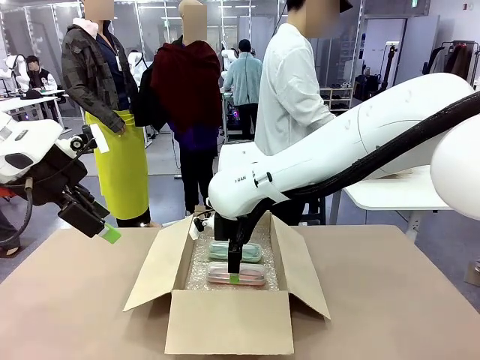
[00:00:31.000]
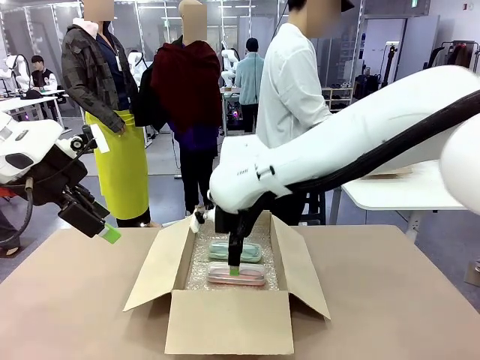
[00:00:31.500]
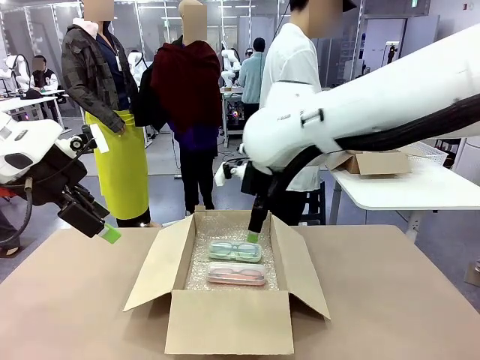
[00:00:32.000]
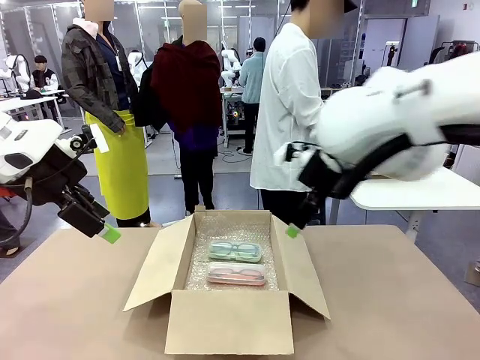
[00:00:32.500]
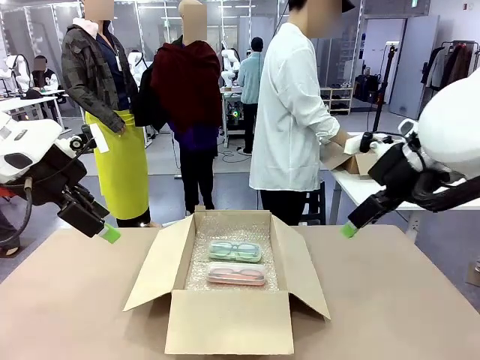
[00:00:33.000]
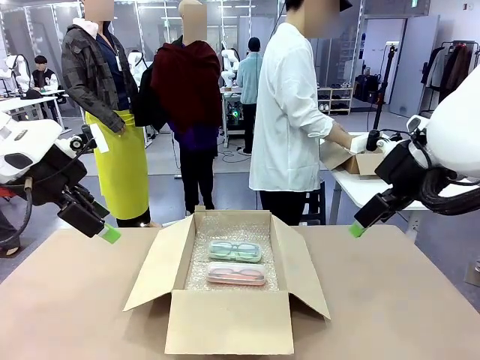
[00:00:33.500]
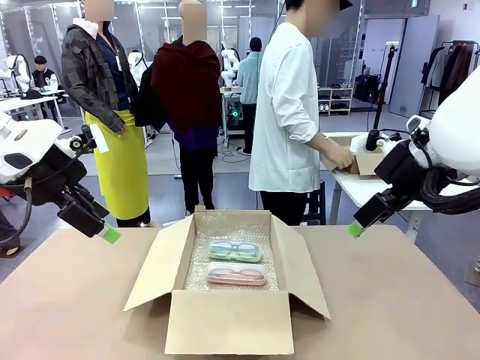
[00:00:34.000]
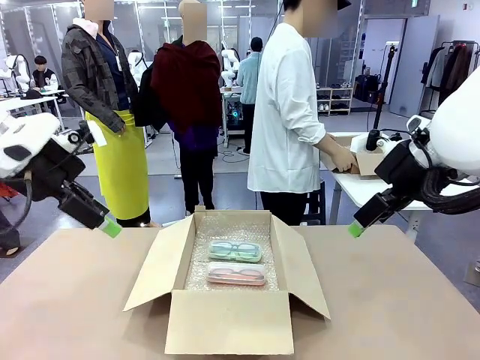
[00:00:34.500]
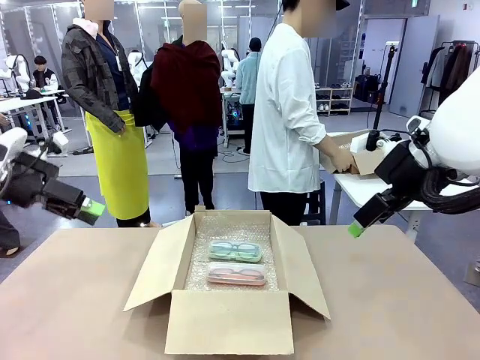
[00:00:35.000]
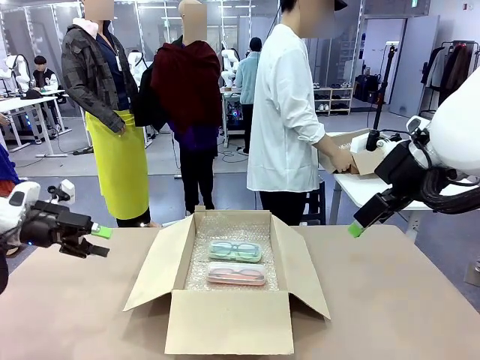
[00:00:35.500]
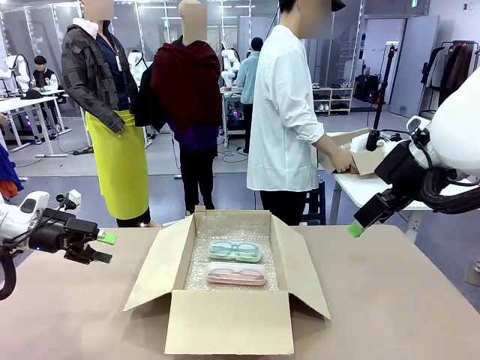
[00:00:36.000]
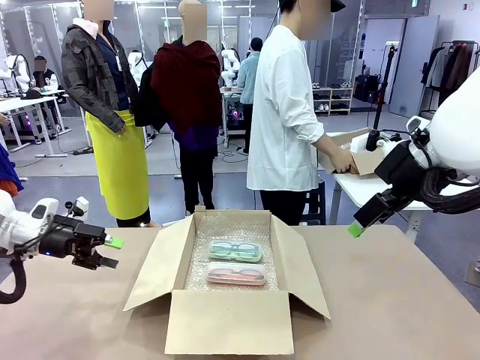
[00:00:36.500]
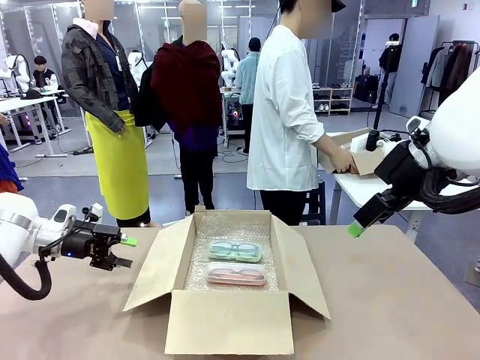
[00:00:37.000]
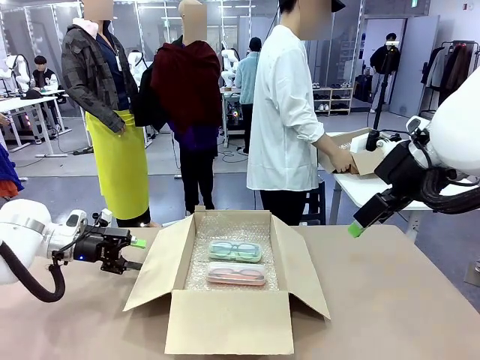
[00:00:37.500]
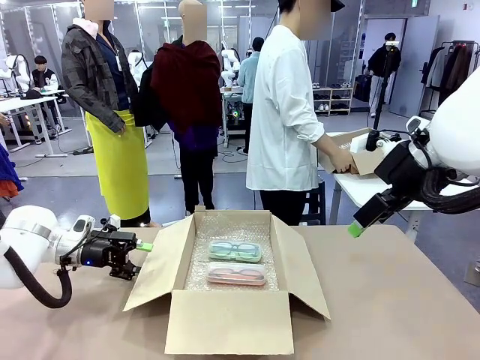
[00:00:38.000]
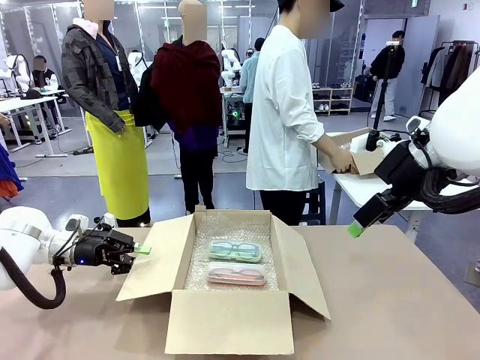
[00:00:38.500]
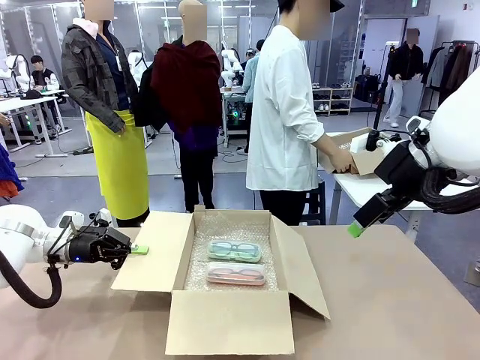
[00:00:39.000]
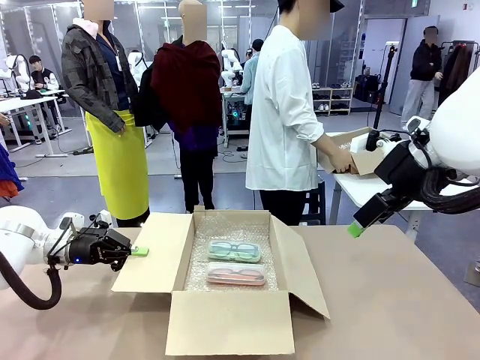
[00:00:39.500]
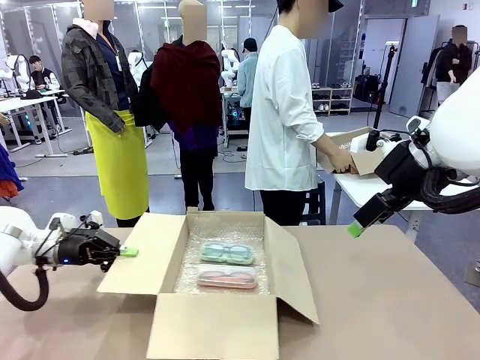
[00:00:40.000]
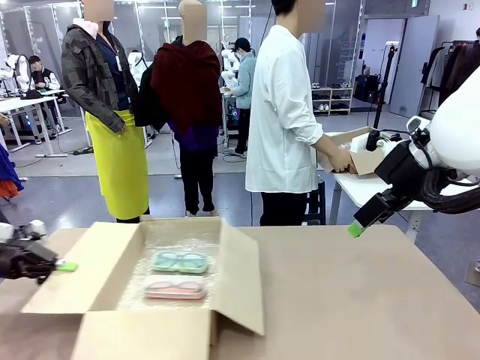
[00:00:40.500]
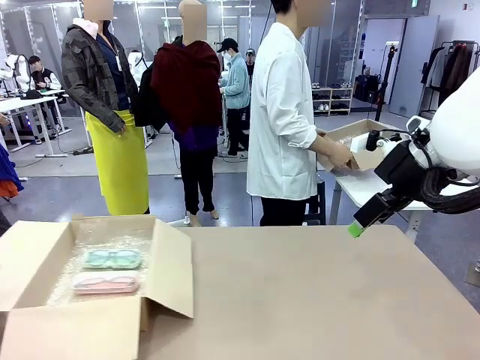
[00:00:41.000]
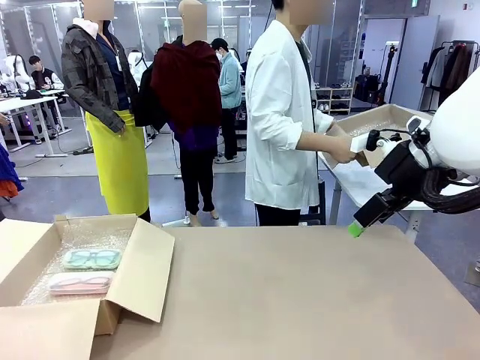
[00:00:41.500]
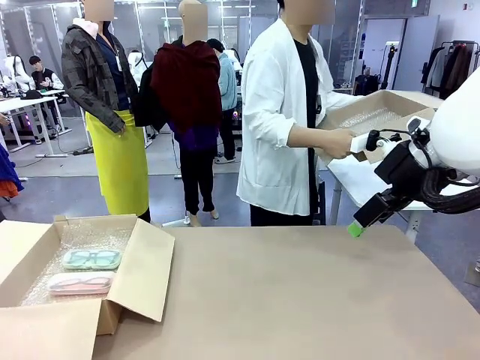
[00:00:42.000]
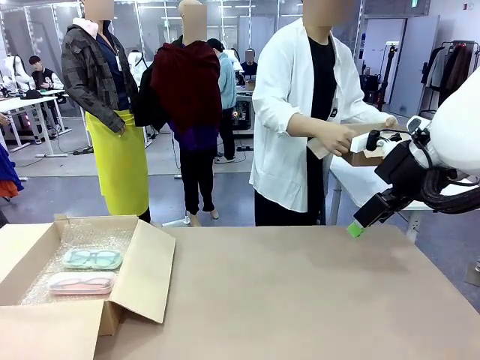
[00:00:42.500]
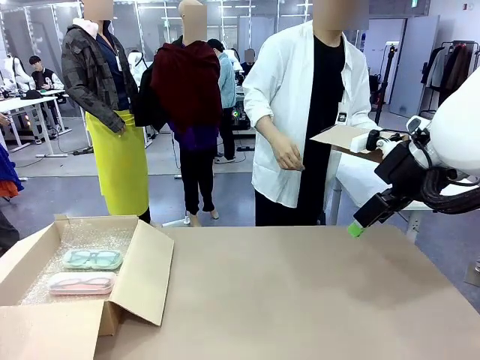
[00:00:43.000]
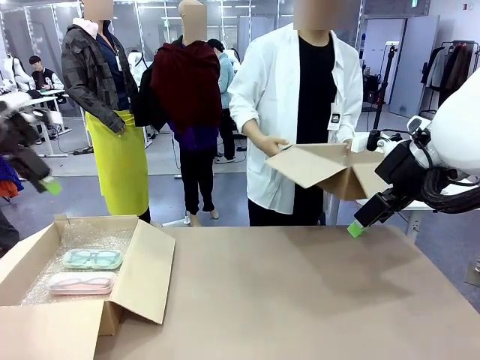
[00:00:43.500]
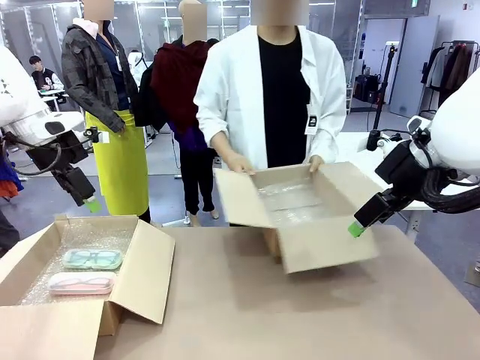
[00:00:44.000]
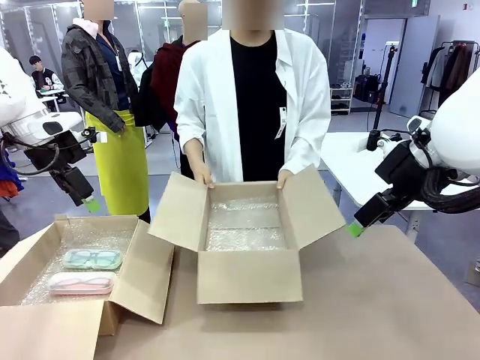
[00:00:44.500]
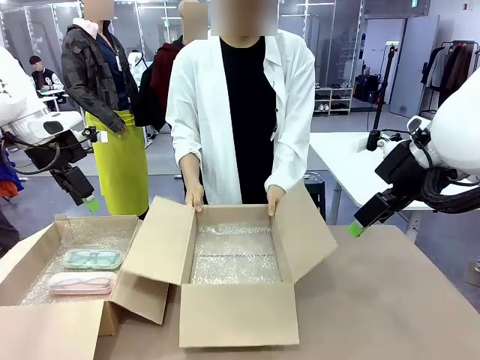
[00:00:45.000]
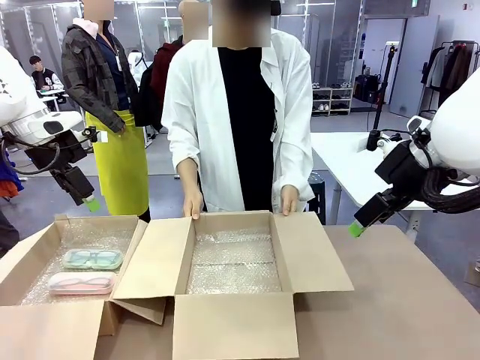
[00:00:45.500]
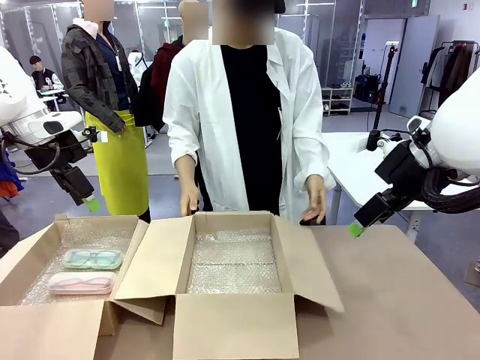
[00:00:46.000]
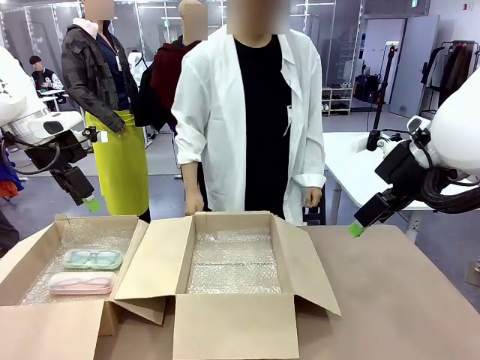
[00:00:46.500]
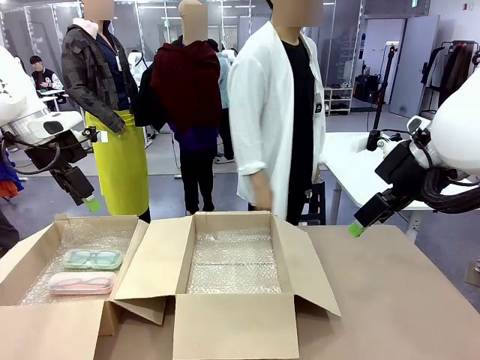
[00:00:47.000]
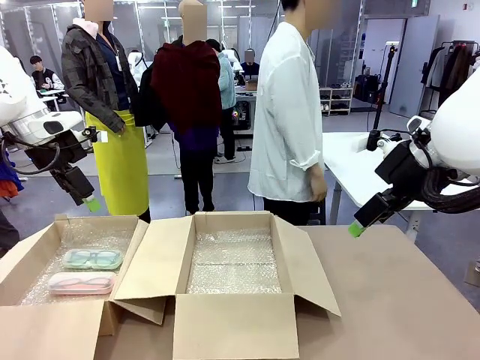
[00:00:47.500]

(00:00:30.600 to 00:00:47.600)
Task: Pack the glasses set securely to prepare it for shipping.
Robot: Position the Package Box on the left side of the table.
Person: Position the empty Package Box in the middle of the robot's table.
